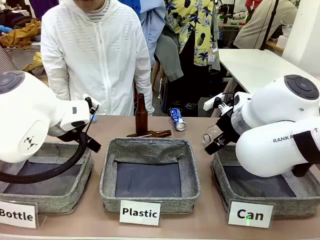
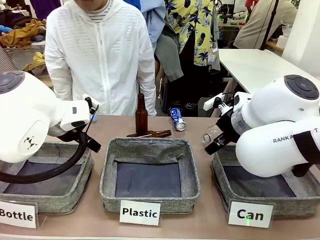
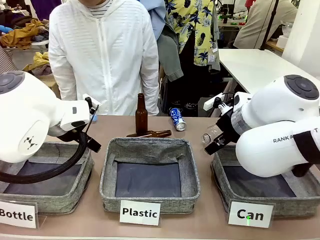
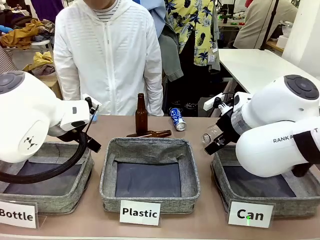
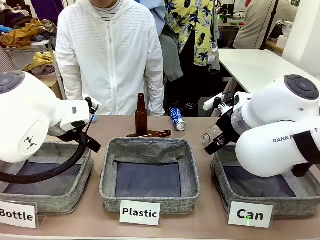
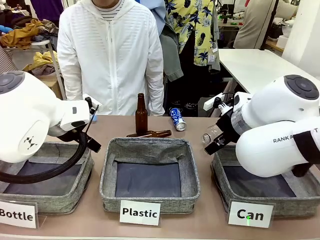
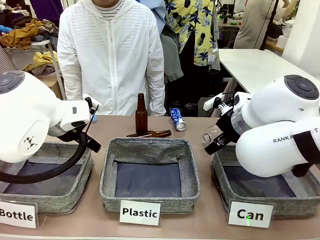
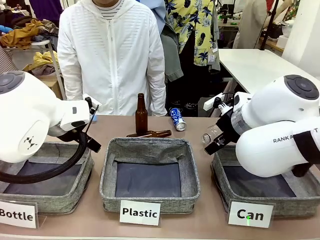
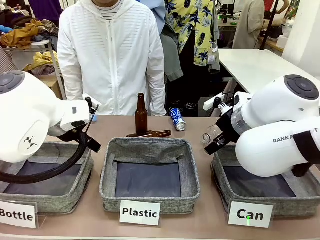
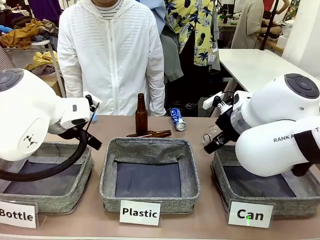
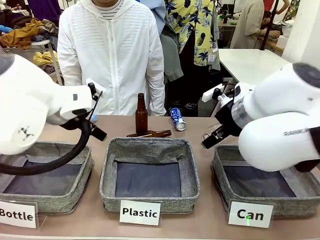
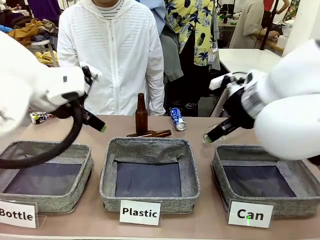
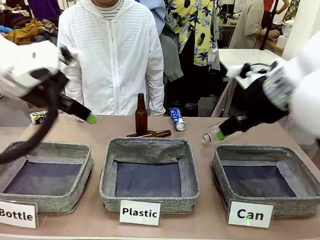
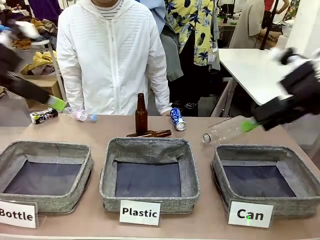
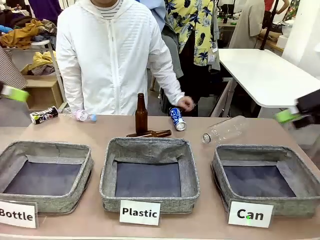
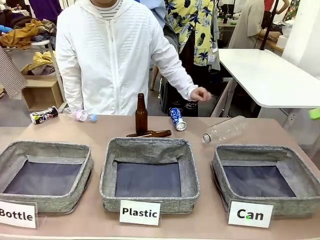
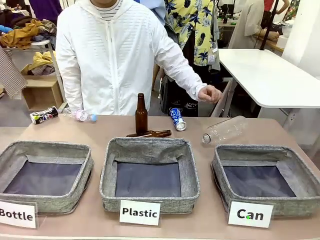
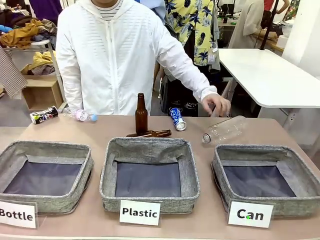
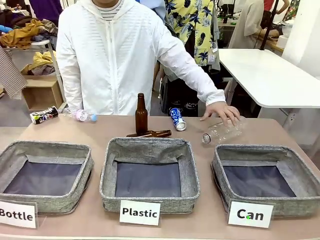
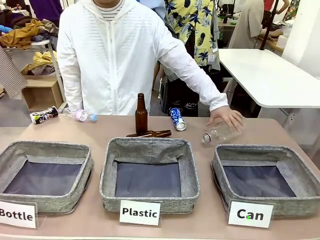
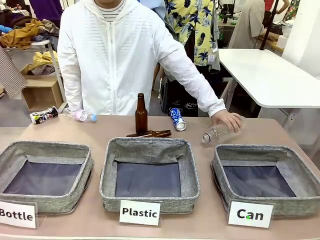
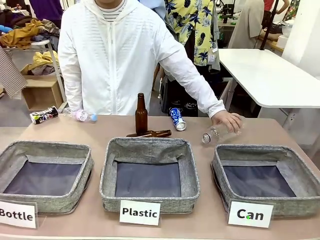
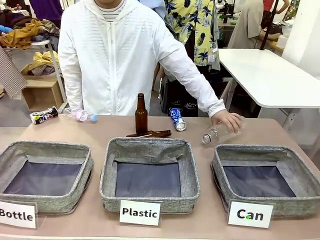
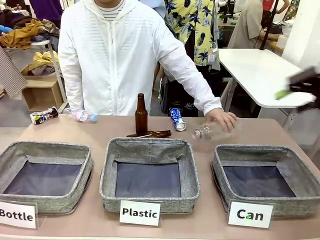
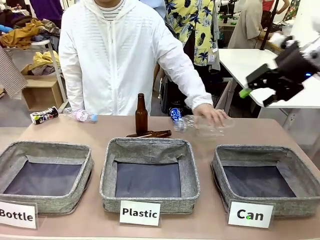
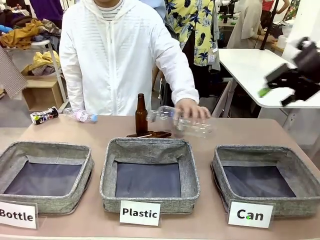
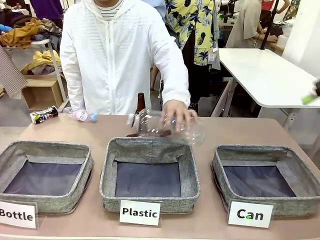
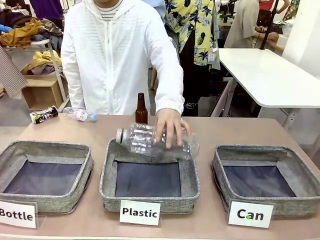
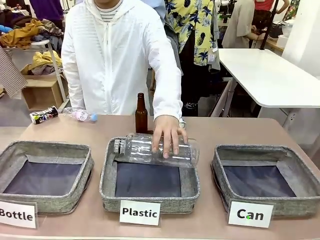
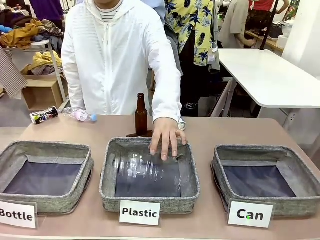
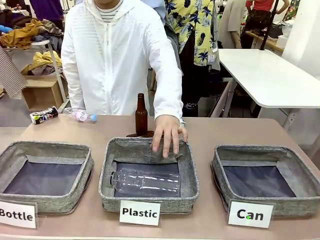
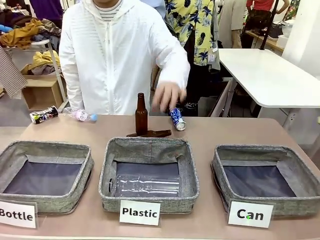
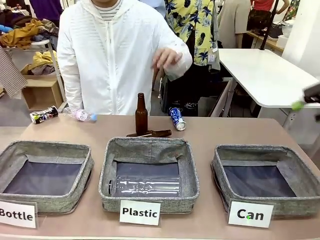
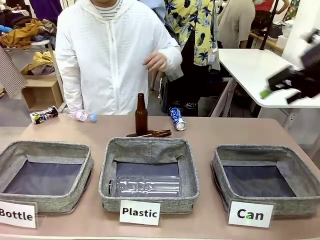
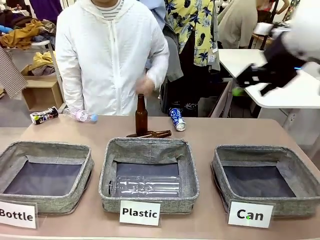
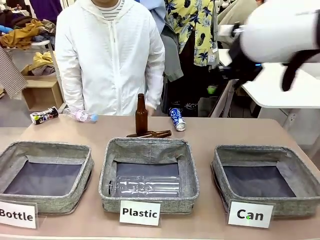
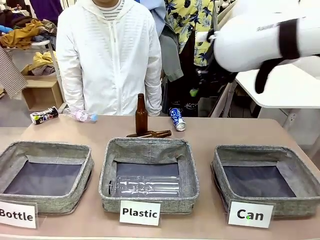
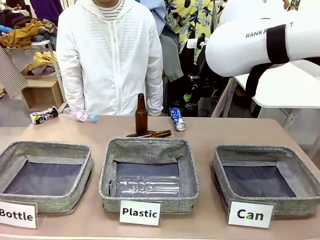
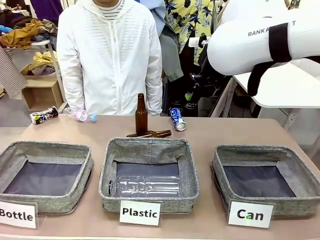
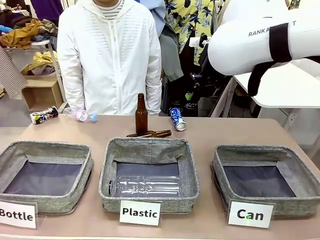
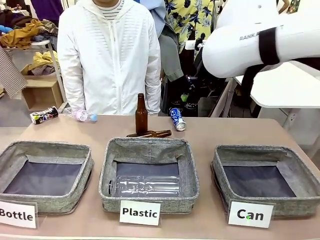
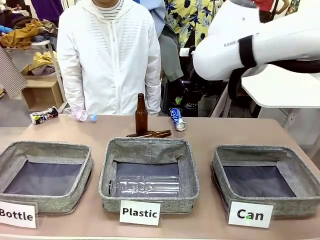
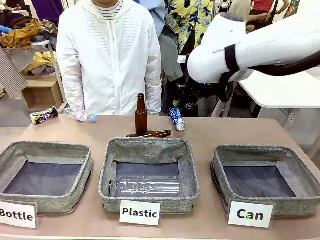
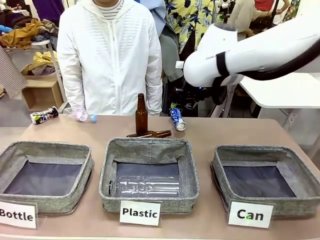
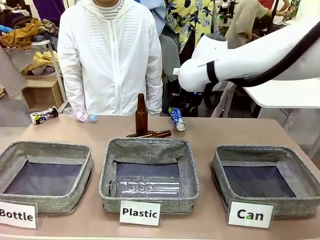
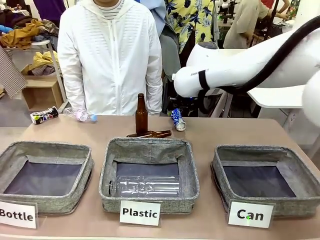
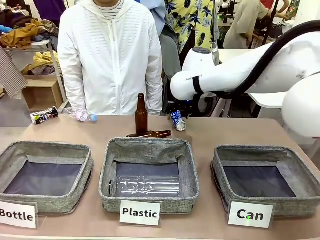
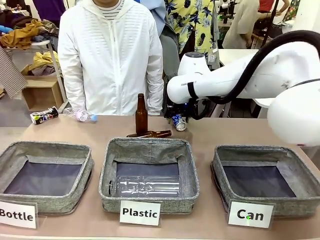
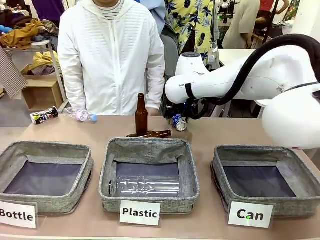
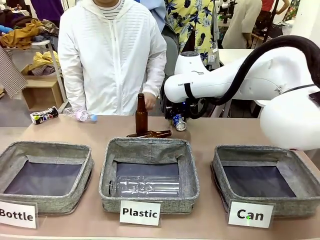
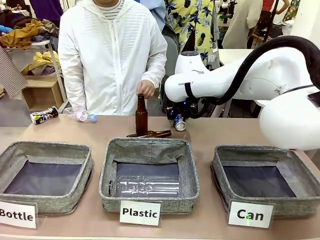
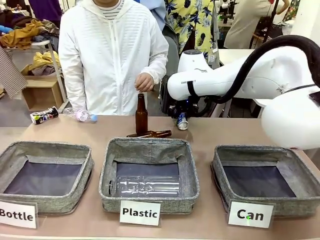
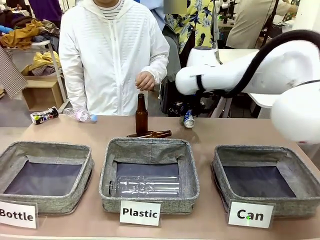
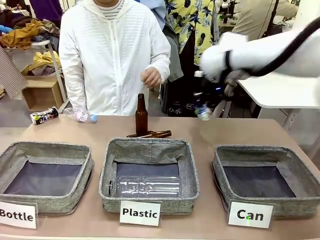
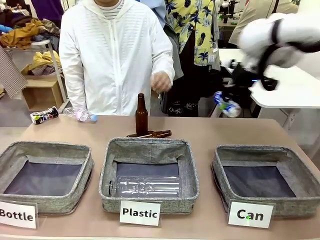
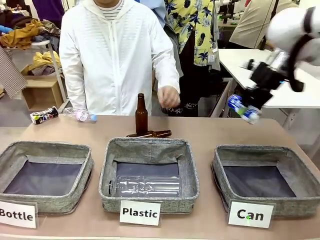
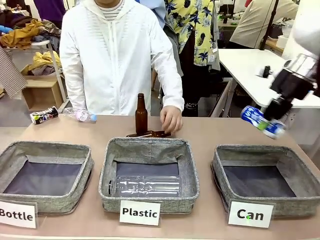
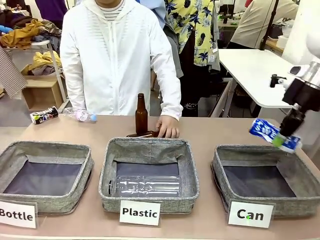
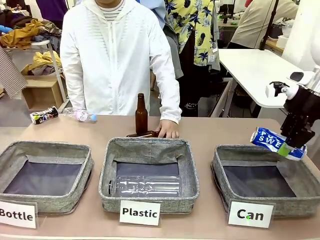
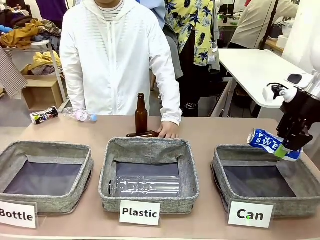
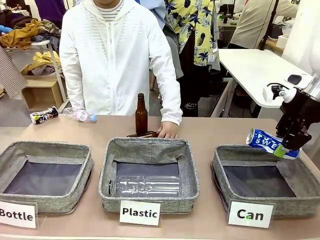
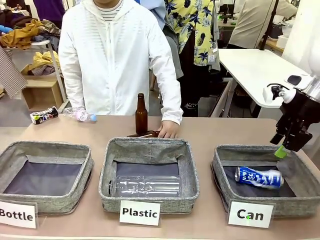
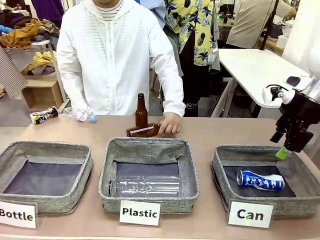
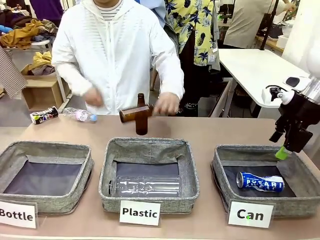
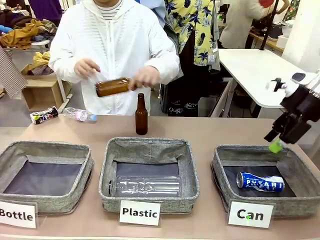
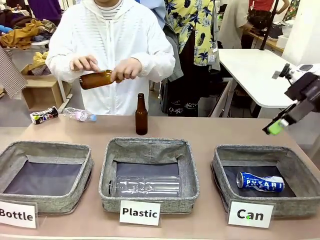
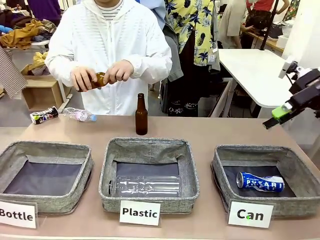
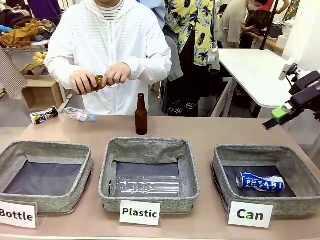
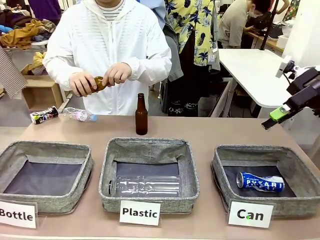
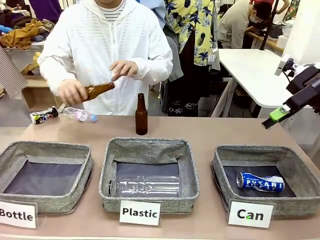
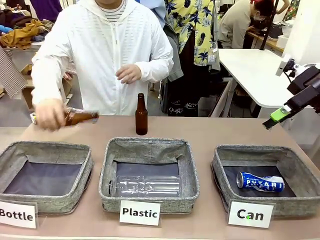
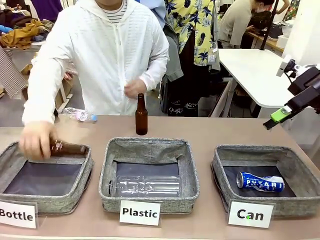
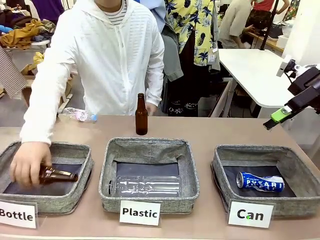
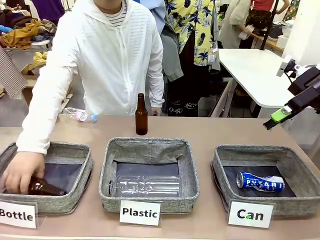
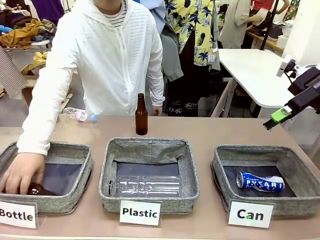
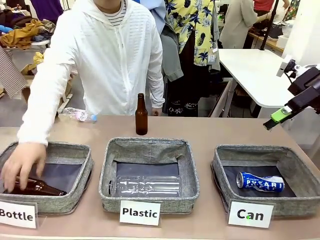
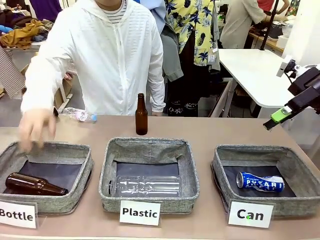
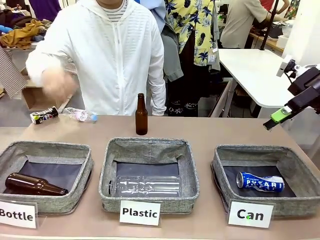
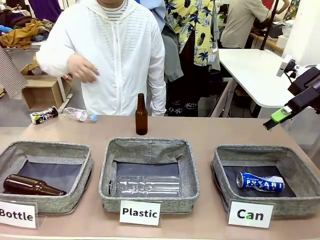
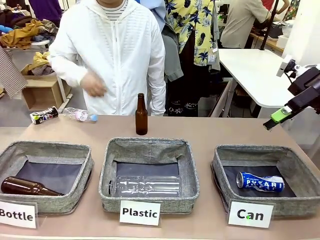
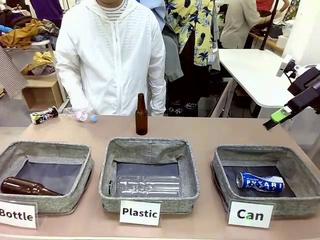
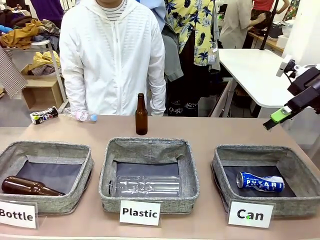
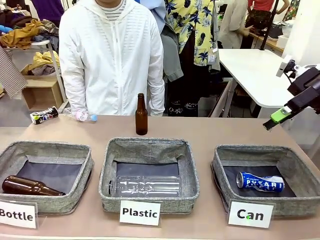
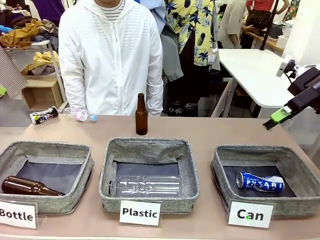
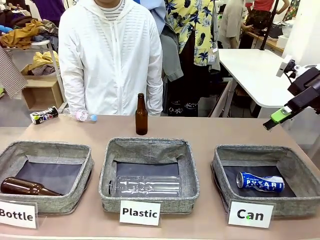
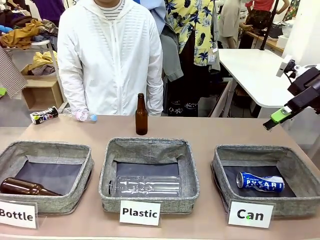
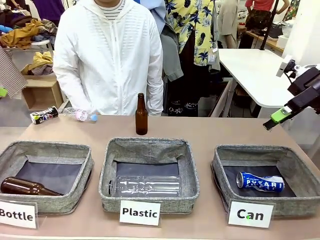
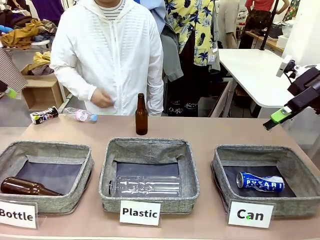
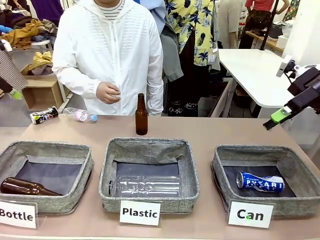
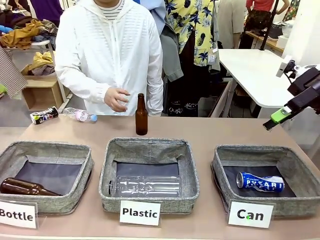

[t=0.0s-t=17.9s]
Task: Sort the can waste into the basket.
Robot: Pick up the can waste from the table and place it in the right Fabric basket.
